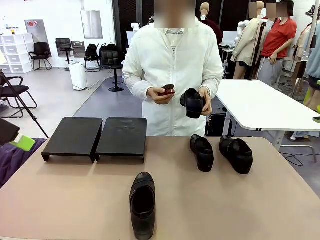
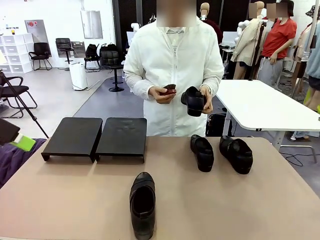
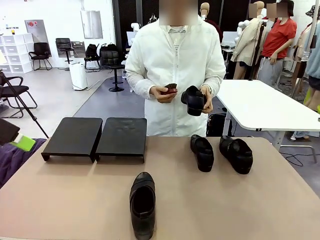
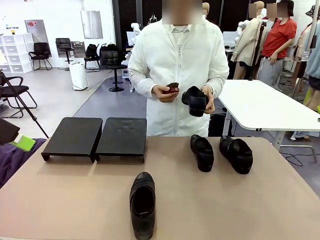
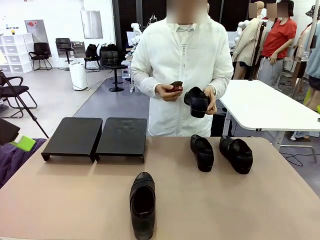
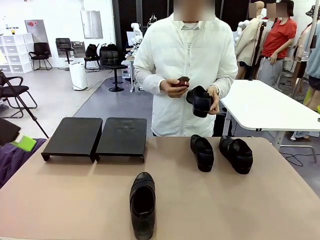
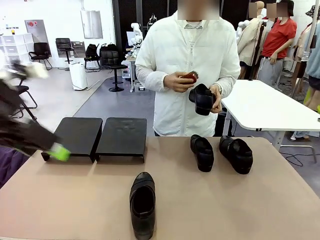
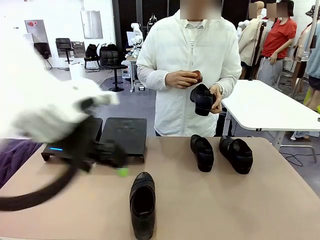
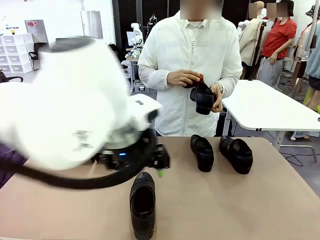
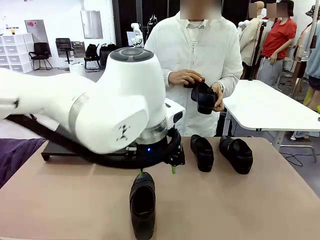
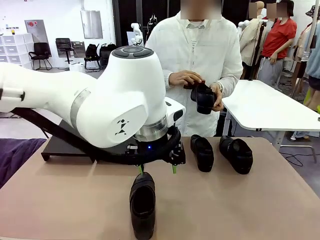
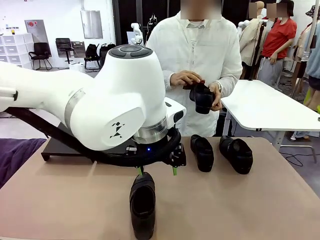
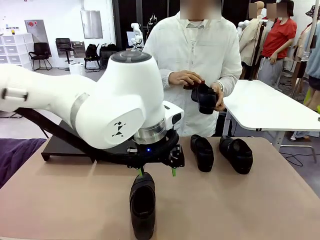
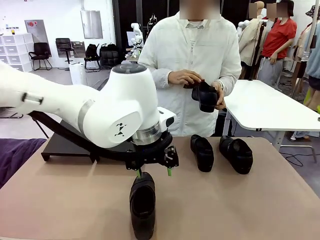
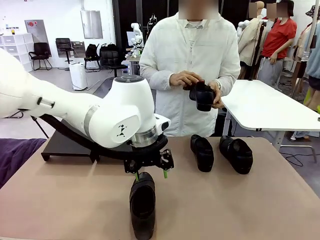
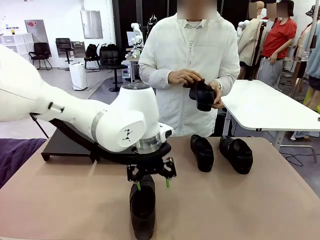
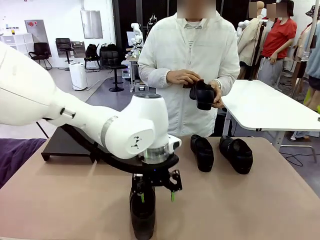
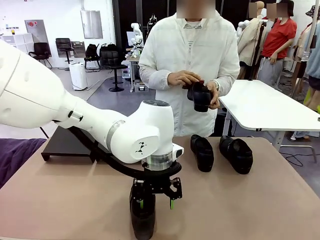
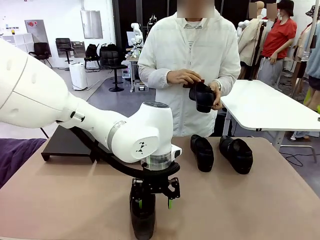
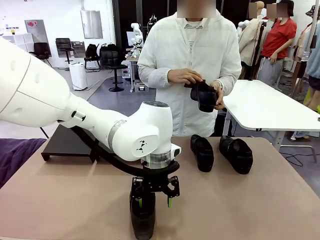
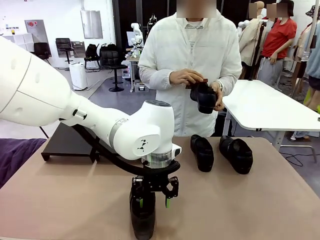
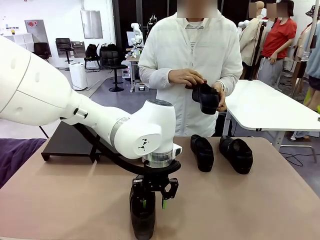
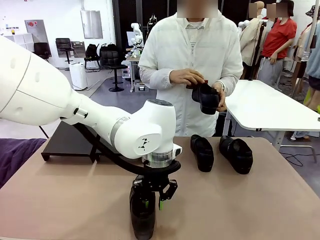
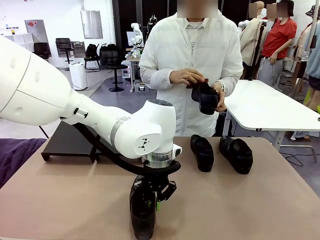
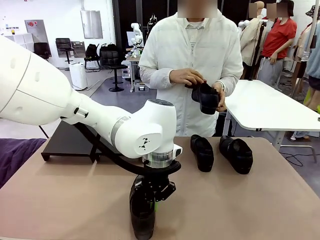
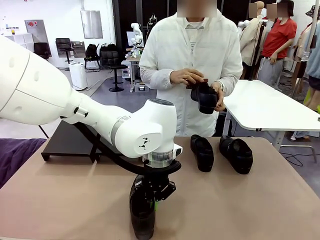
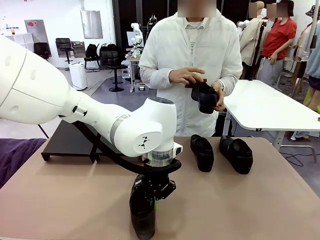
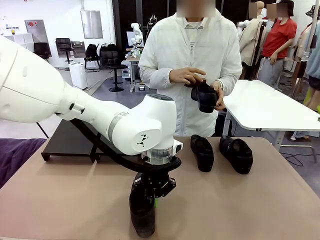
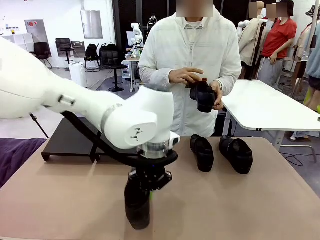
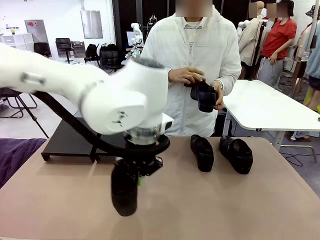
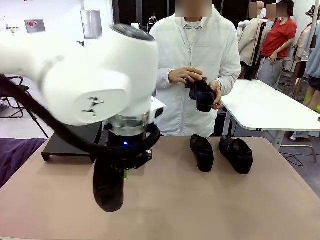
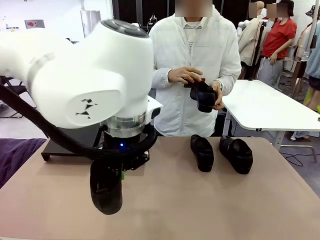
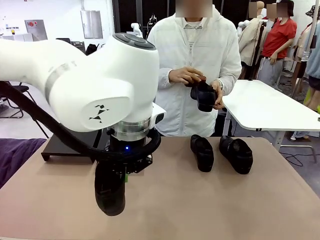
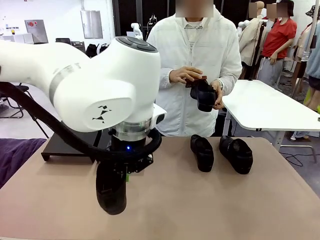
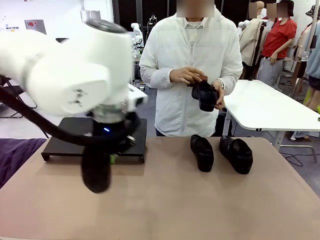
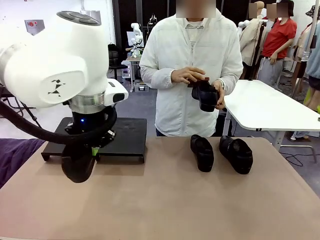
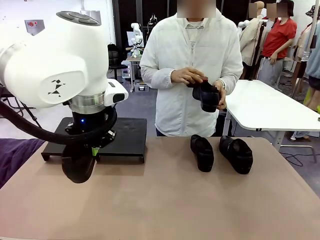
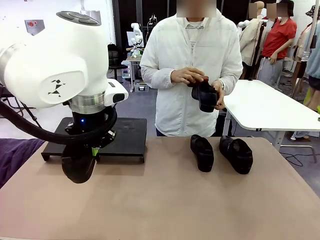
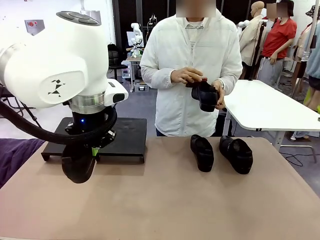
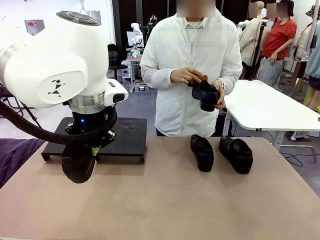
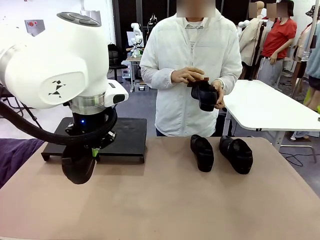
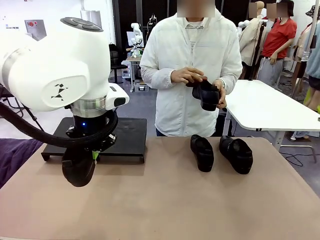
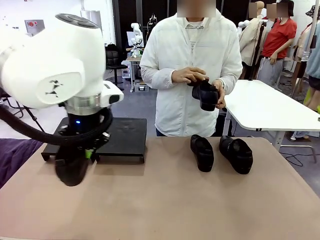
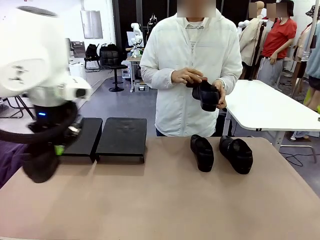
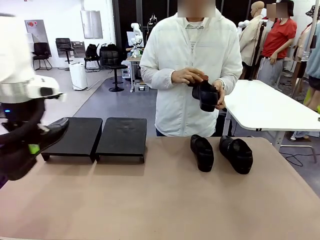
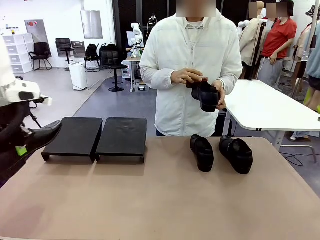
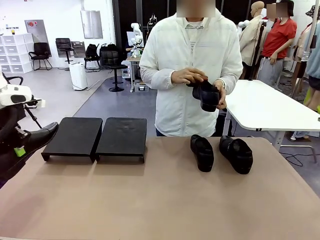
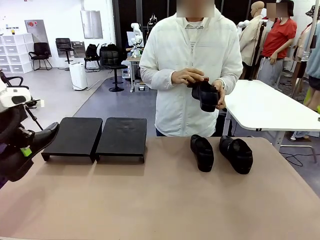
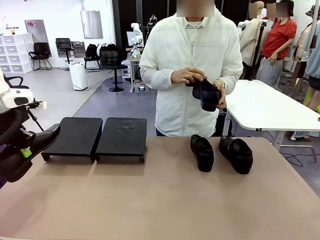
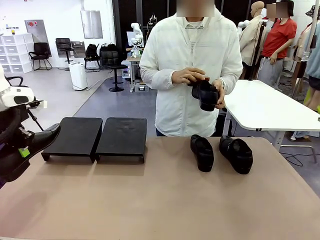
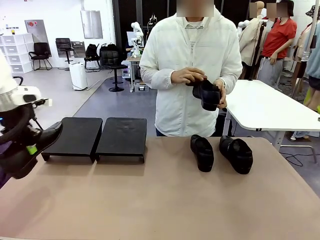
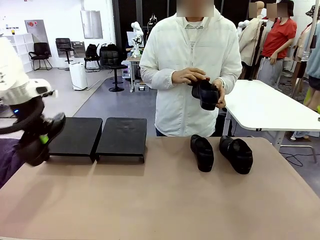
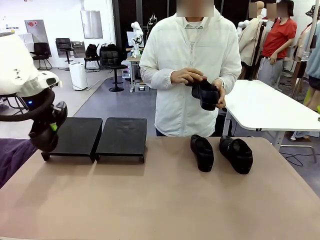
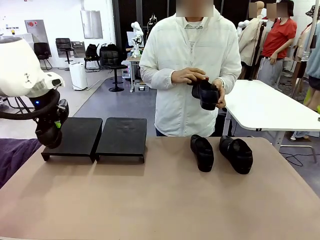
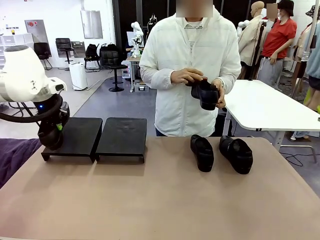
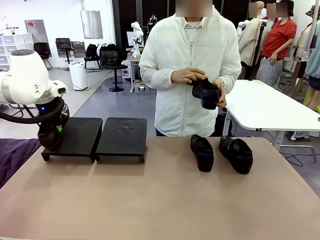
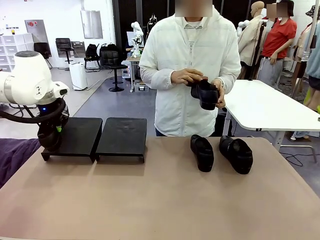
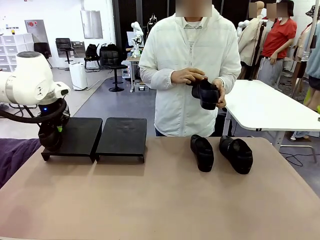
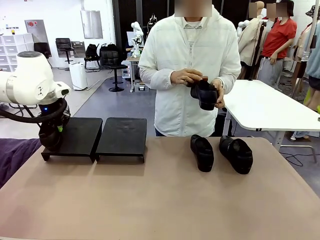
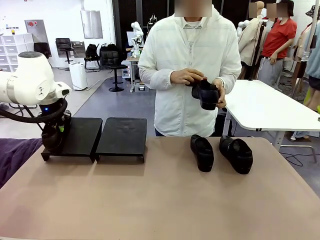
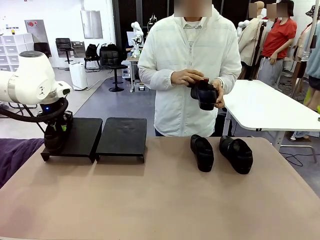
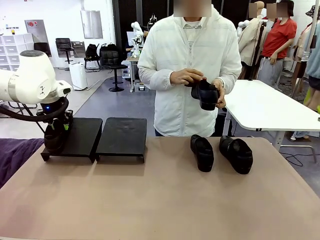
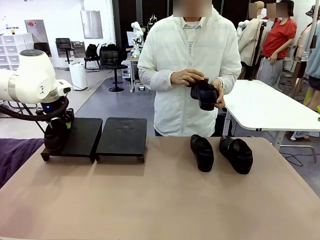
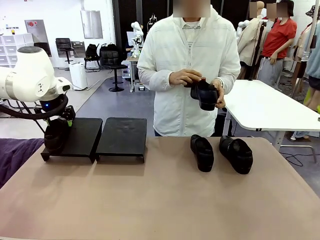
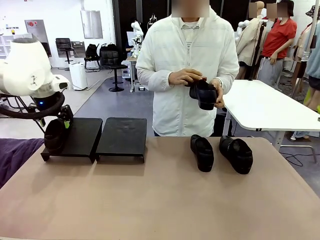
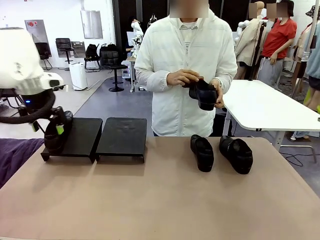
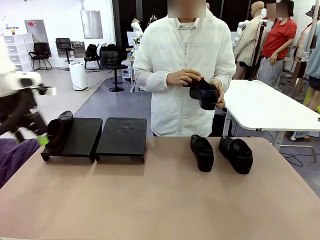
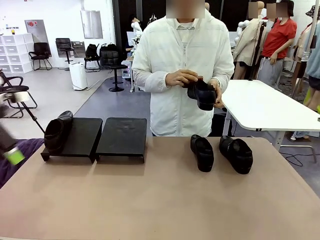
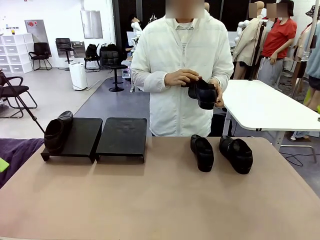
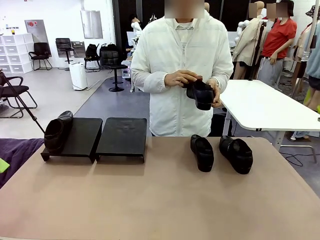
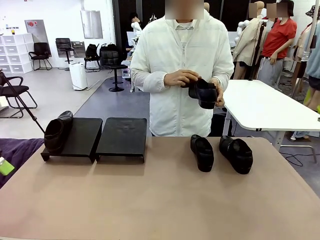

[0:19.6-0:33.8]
Task: Organize the shoes by placing them on the stand.
Robot: Place the Shoe from the middle of the table onto the Shoes Stand.
Person: Clean the Shoe with the Shoe Brush.
